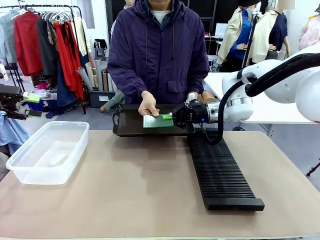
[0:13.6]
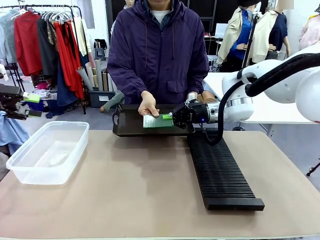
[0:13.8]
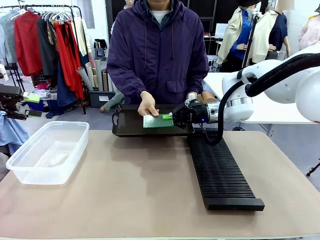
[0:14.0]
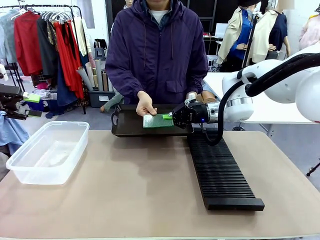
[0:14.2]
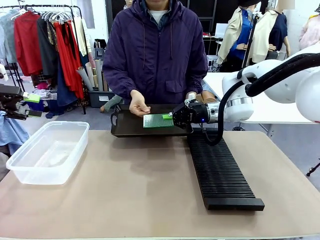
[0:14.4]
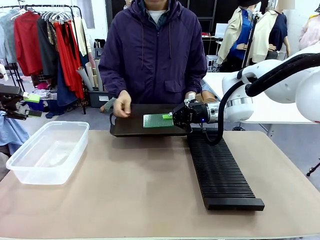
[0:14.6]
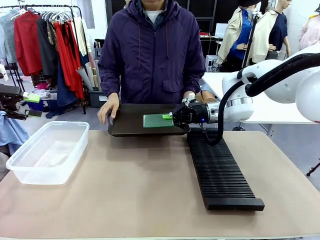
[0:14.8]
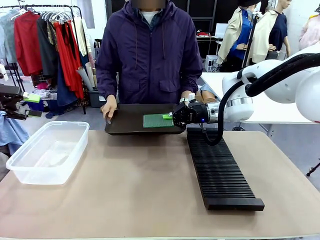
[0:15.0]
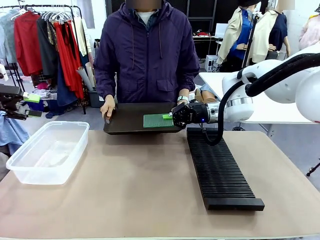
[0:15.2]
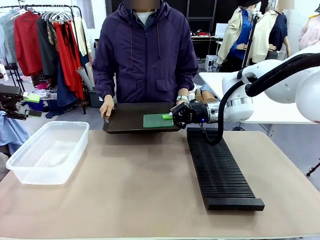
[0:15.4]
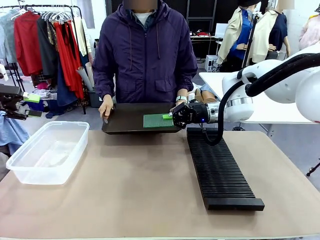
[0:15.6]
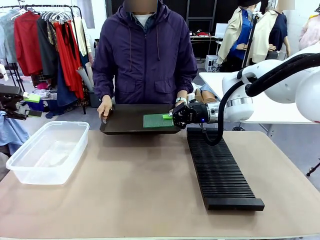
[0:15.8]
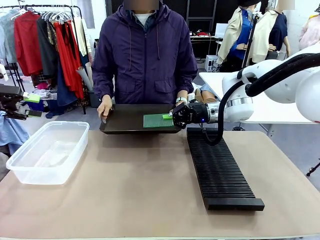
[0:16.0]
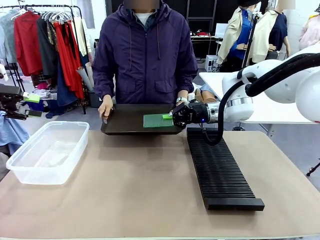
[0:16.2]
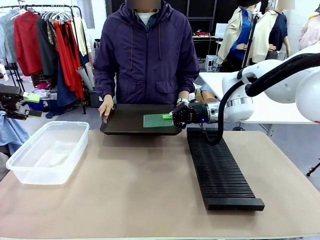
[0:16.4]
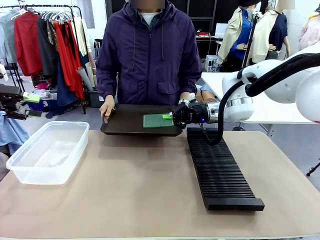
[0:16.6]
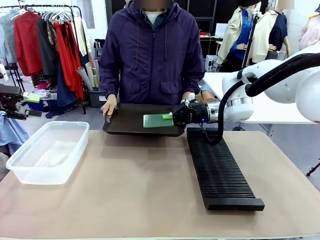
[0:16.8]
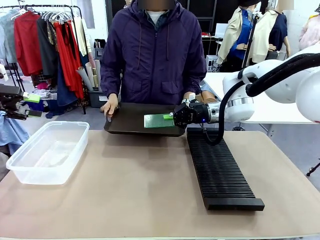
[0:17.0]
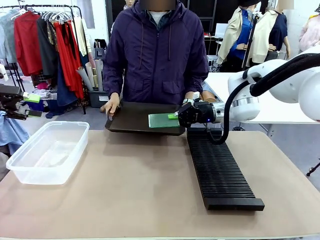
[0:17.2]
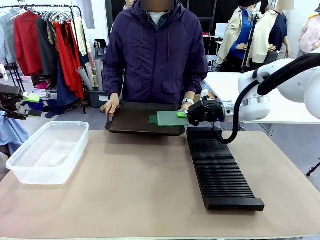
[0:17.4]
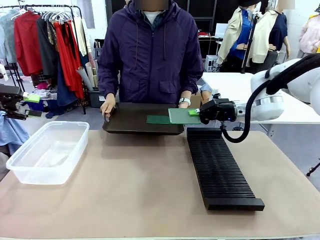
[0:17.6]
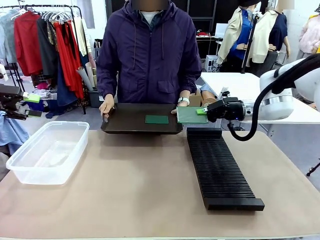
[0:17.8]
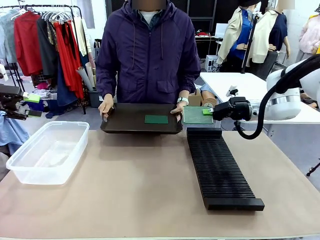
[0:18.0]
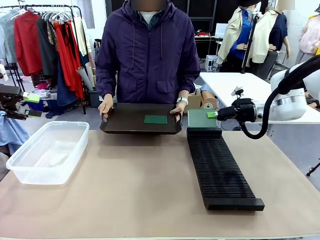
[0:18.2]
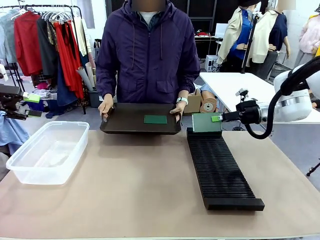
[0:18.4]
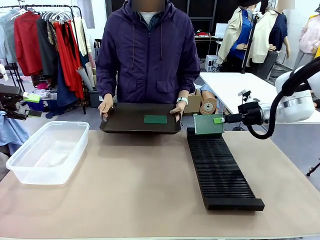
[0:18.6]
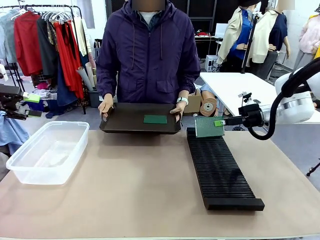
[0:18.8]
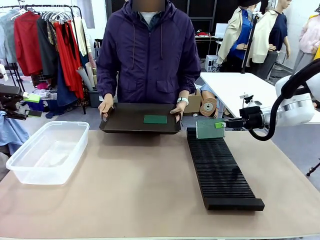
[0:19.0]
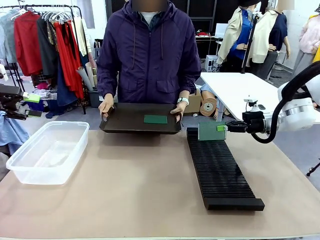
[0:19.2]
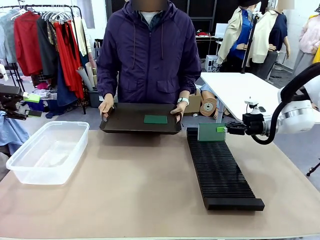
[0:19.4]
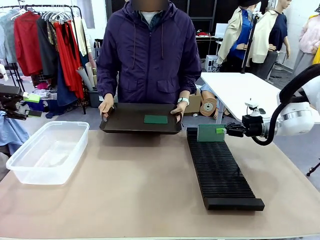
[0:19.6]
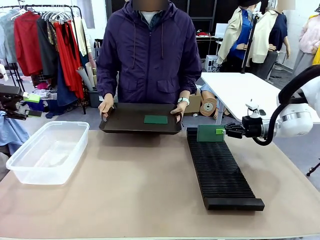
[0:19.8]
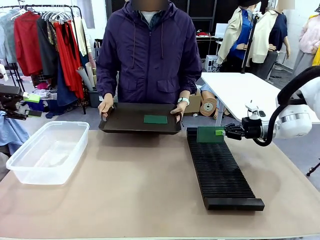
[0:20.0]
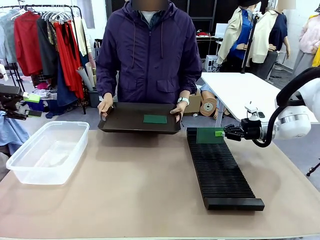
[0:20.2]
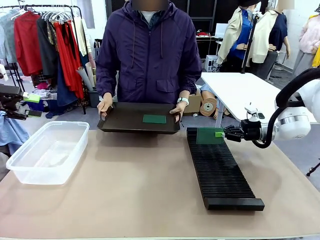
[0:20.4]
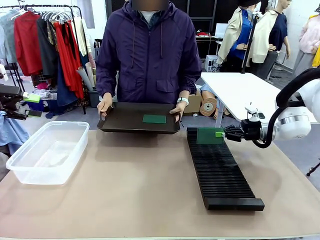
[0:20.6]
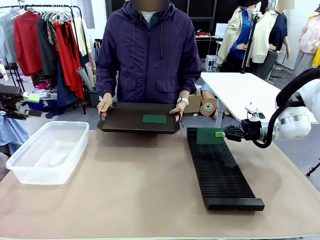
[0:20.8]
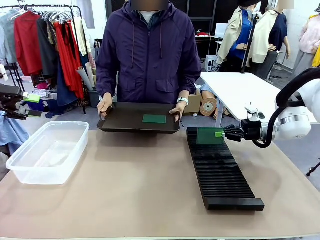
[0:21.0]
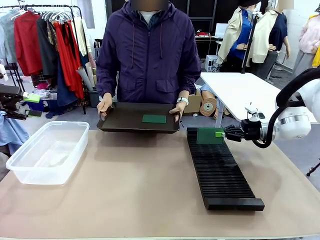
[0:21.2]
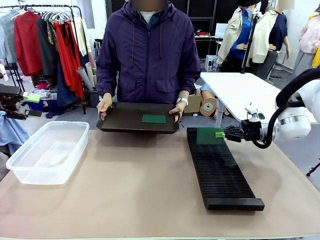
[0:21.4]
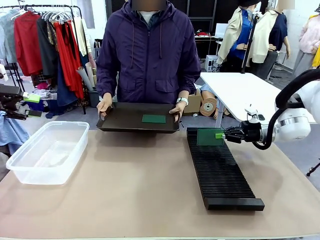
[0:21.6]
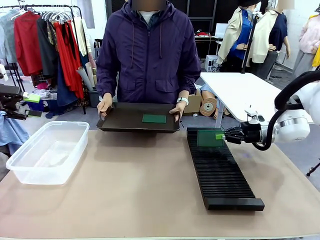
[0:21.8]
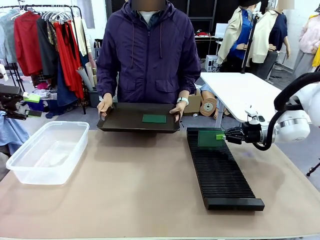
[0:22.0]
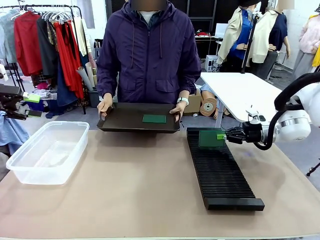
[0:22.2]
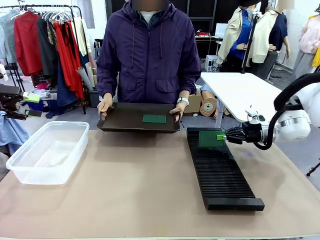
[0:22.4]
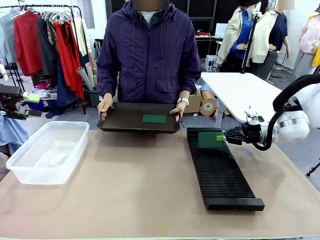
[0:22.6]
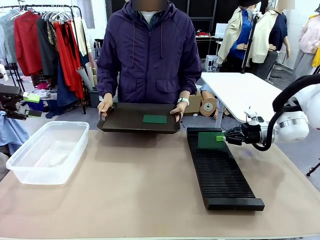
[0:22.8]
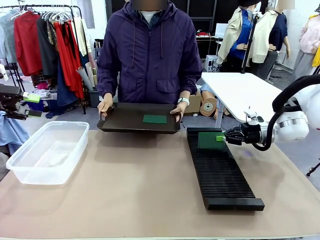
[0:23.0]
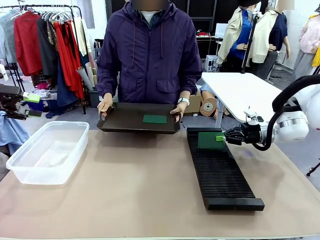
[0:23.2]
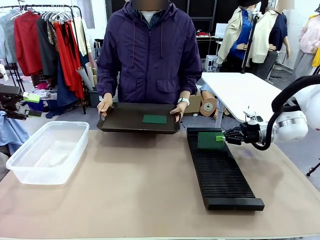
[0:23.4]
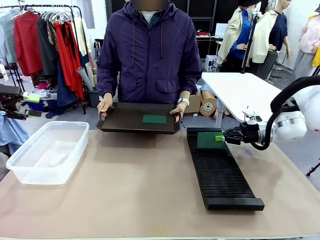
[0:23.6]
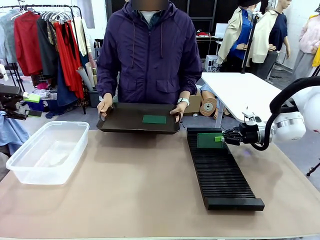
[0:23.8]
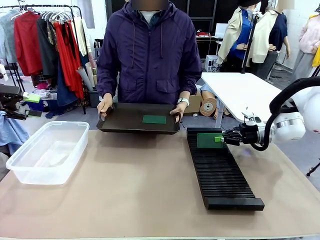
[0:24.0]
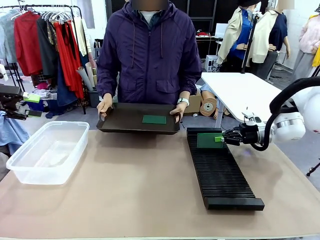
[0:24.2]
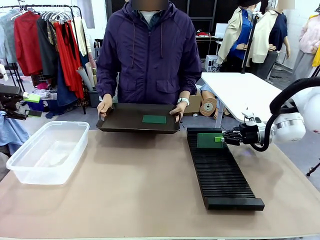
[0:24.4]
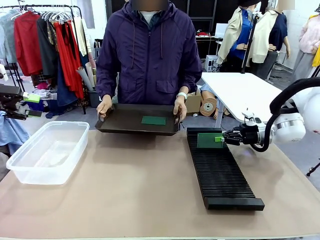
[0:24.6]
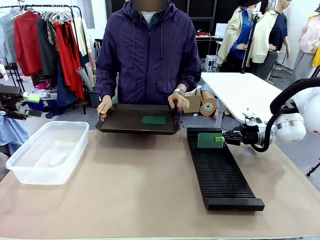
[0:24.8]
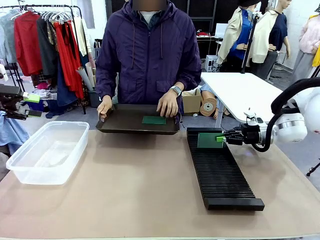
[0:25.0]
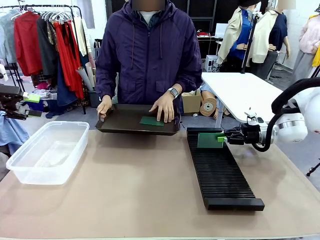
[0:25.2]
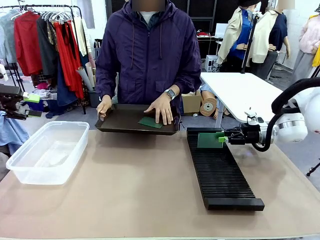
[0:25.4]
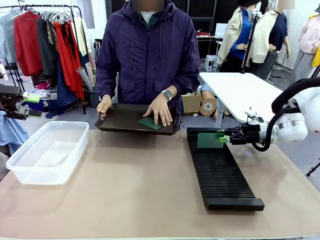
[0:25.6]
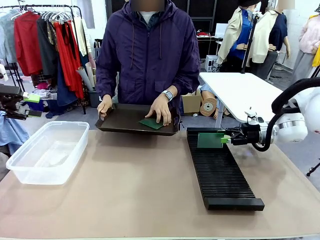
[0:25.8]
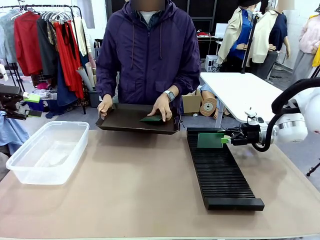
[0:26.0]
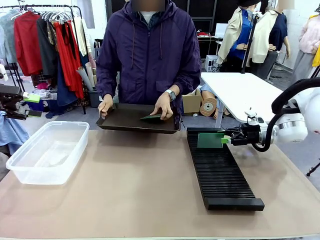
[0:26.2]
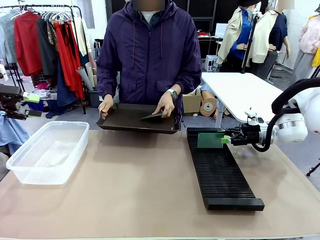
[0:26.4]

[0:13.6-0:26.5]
Task: Sort PCBs into racks and boxes based on the side picked up.
Robot: If the short side of the Blank PCB is picked up, insert it into the PCB Rack ; if the long side is picked up, place it in the Organizing box.
Person: Pick one PCB from the tray and present it to the robot.

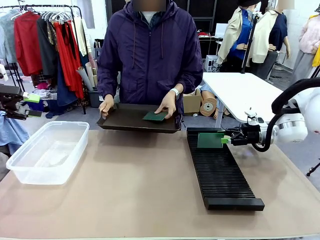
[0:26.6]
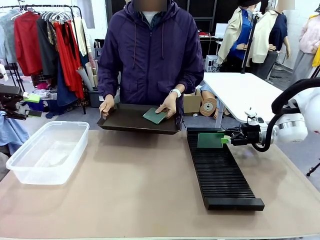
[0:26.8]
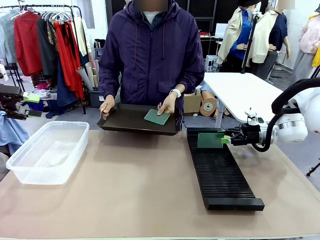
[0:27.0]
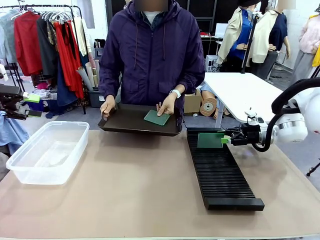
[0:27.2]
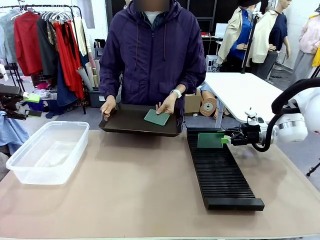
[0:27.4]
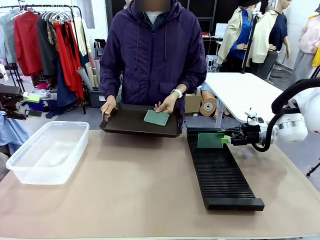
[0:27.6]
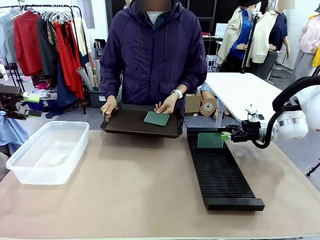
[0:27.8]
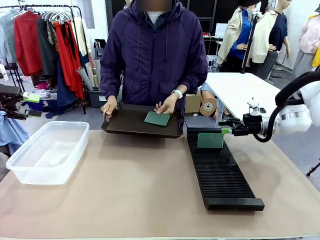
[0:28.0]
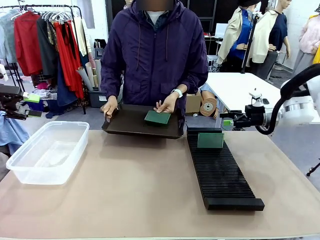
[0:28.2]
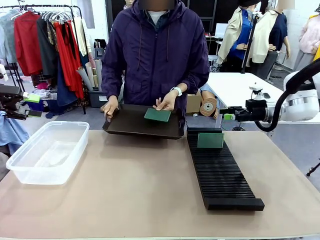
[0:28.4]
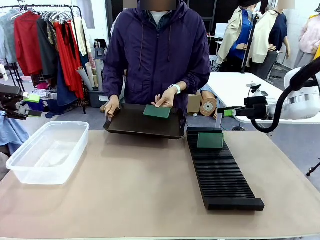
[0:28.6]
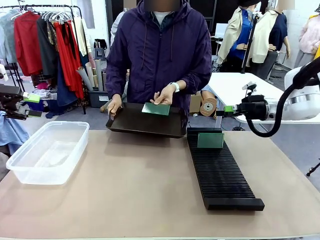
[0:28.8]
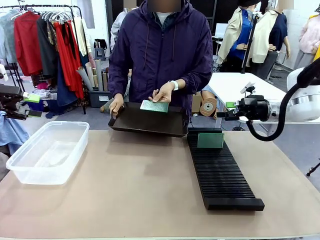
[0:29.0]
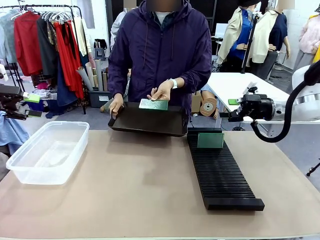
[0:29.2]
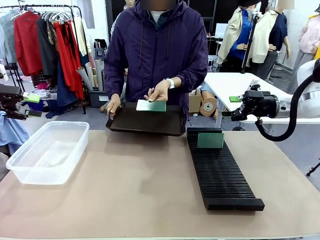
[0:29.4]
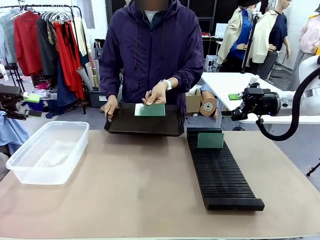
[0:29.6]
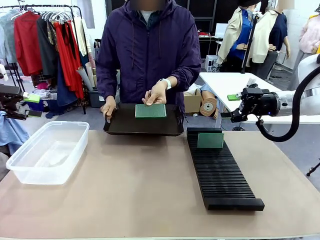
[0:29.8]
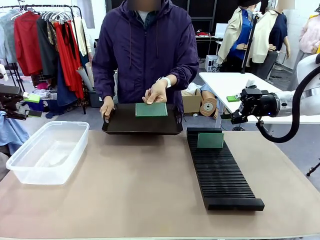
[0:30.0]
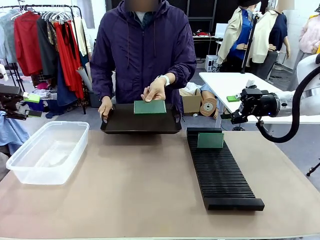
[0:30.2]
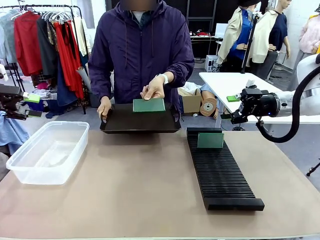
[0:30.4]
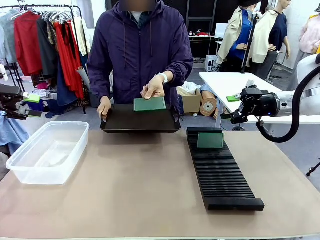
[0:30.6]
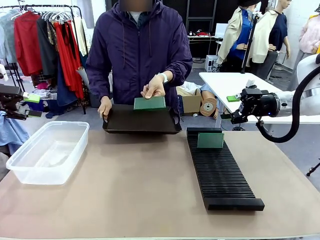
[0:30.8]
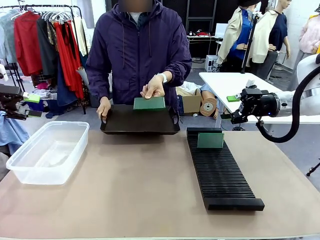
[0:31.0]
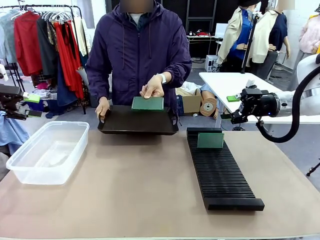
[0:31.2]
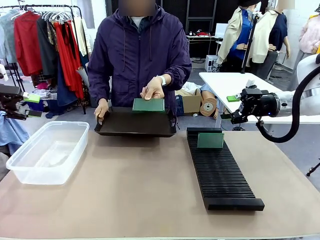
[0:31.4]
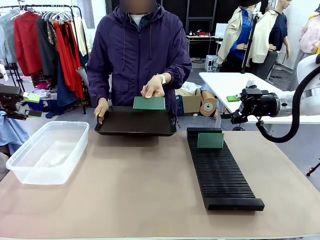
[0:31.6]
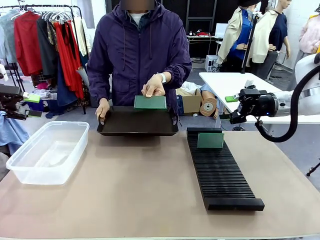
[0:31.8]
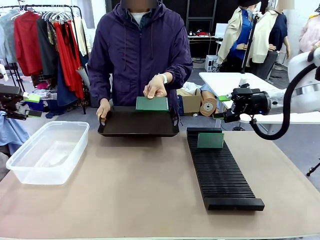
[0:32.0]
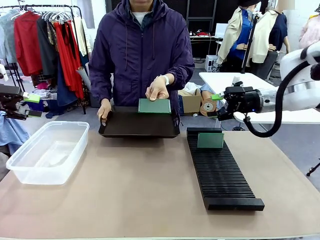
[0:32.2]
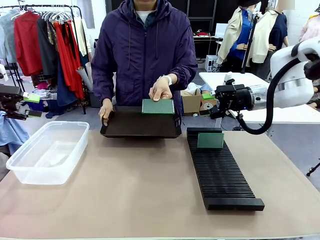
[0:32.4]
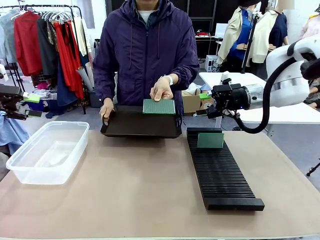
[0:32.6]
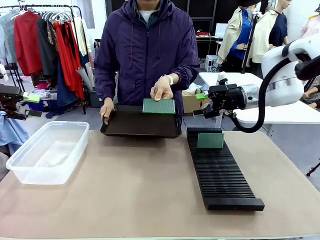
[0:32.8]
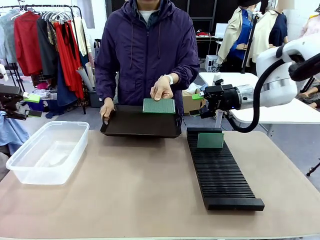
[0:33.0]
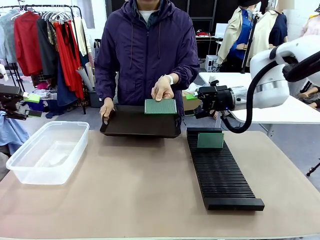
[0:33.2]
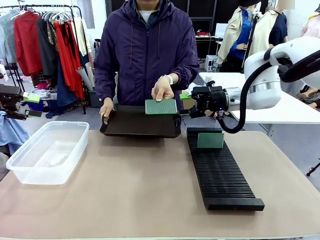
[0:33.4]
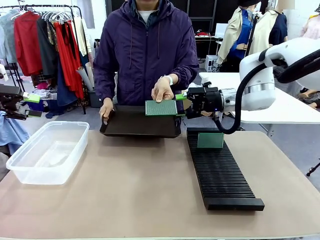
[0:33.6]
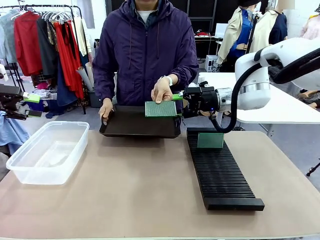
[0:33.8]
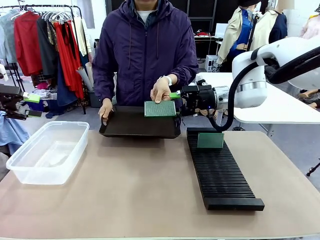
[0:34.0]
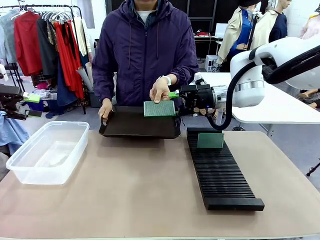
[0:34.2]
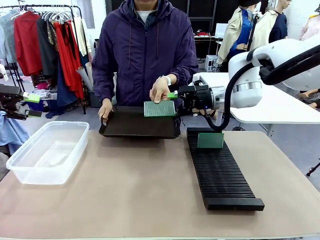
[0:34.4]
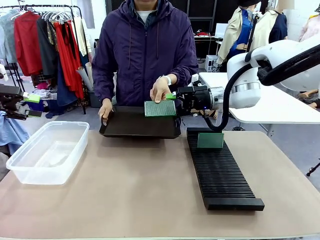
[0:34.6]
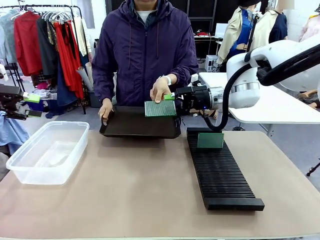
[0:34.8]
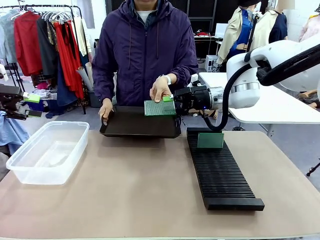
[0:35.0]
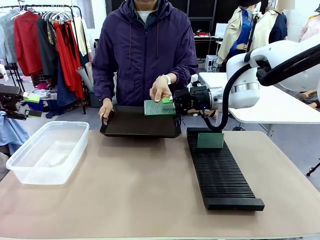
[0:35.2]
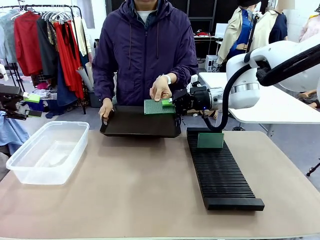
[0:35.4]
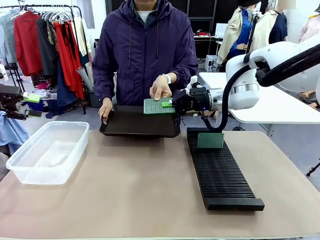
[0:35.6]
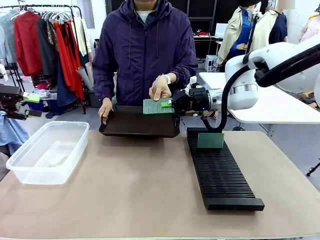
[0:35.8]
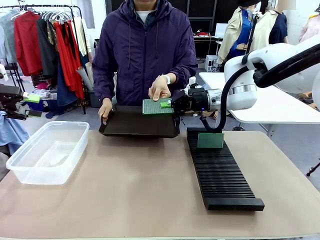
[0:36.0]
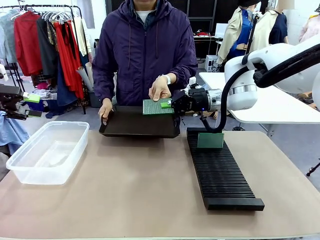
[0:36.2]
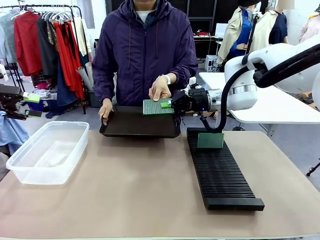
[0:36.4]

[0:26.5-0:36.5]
Robot: Pick up the Blank PCB handed by the Human.
